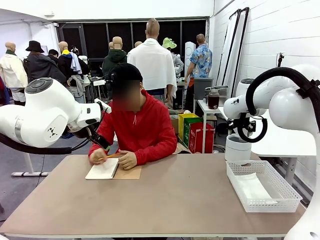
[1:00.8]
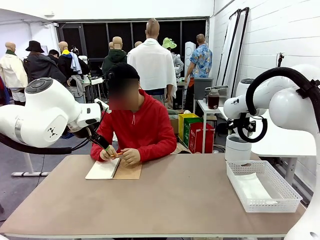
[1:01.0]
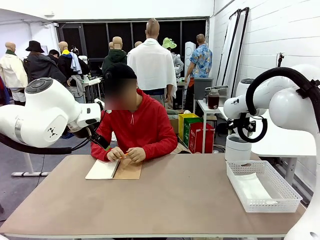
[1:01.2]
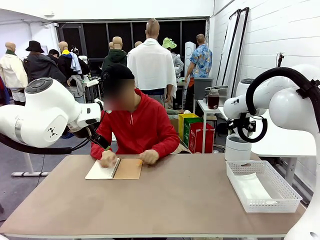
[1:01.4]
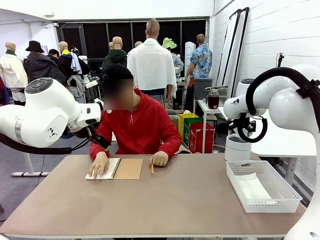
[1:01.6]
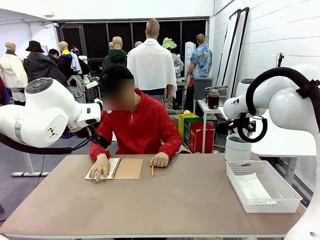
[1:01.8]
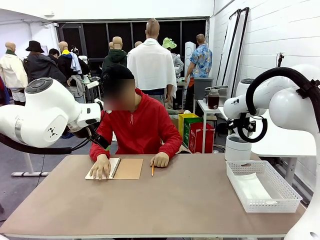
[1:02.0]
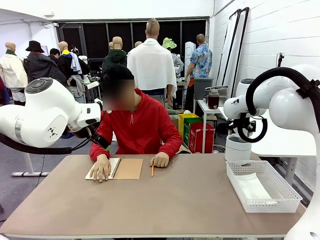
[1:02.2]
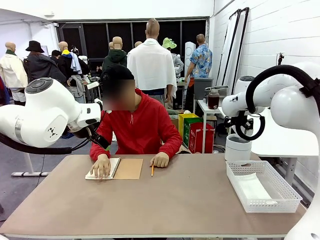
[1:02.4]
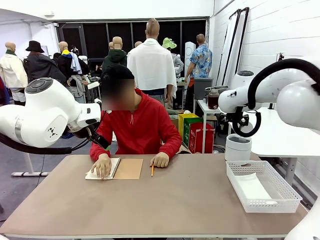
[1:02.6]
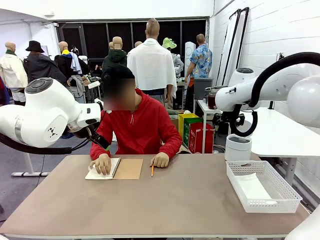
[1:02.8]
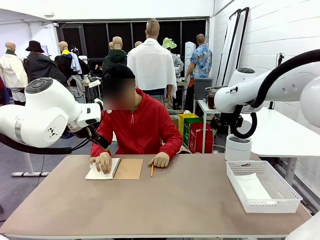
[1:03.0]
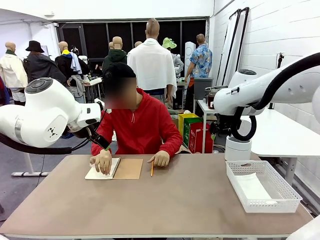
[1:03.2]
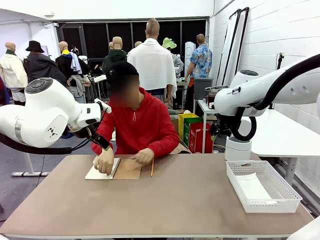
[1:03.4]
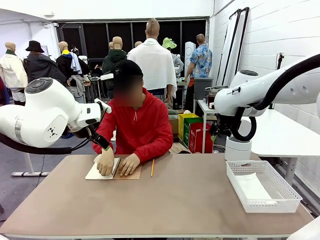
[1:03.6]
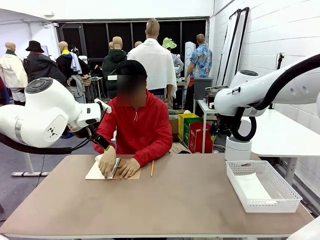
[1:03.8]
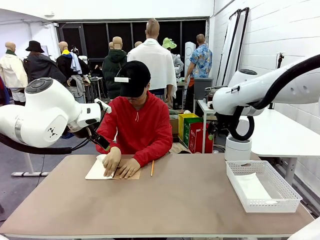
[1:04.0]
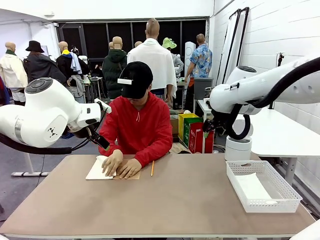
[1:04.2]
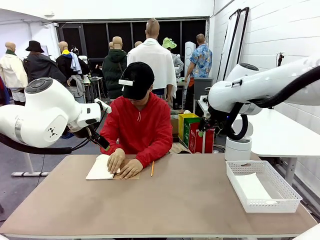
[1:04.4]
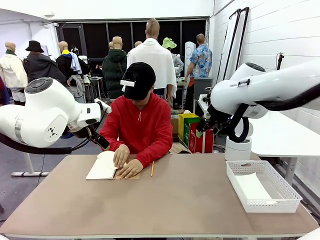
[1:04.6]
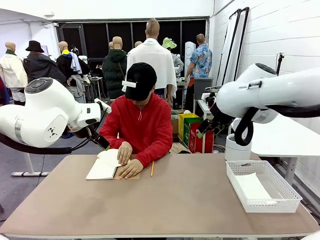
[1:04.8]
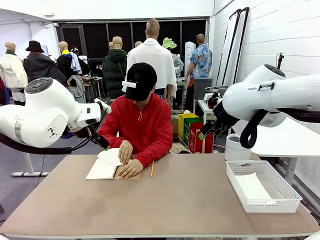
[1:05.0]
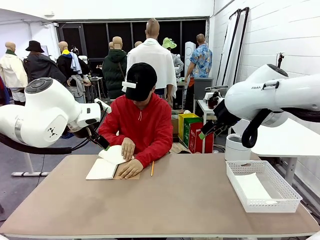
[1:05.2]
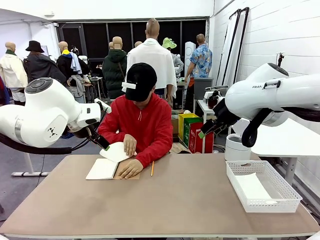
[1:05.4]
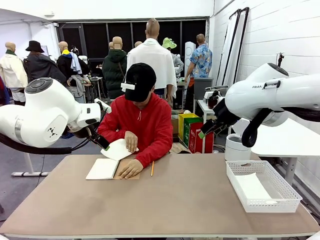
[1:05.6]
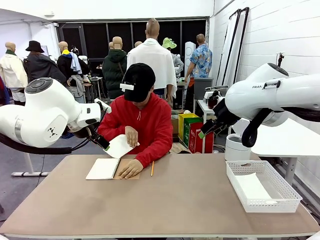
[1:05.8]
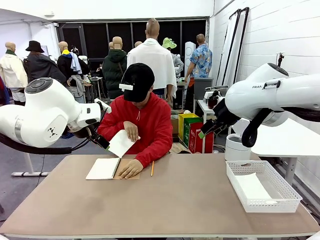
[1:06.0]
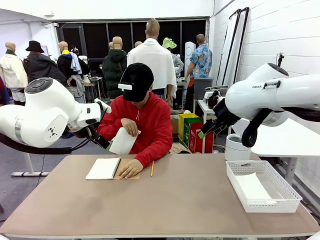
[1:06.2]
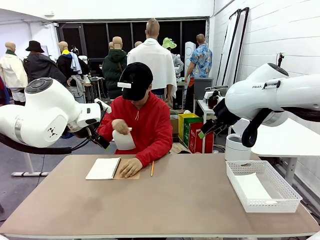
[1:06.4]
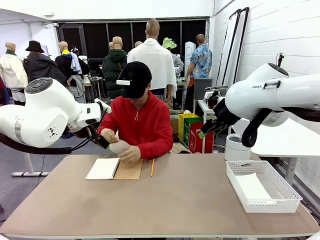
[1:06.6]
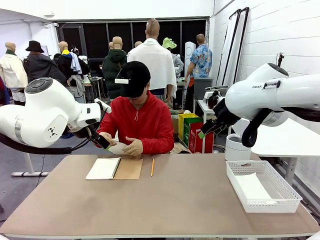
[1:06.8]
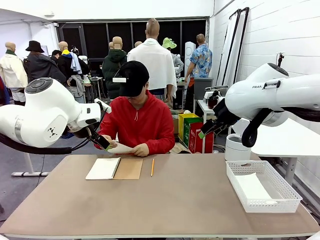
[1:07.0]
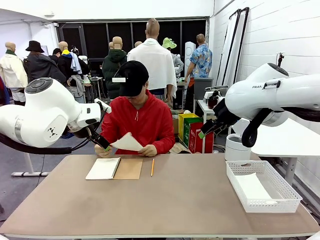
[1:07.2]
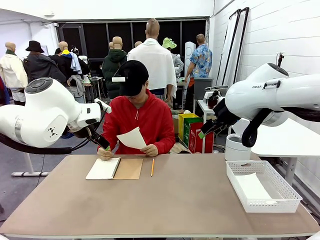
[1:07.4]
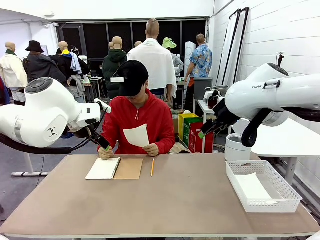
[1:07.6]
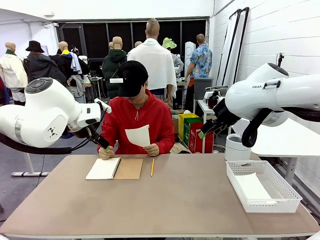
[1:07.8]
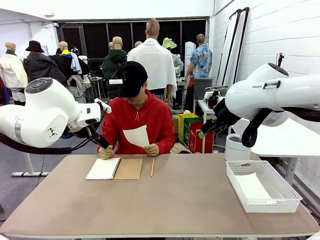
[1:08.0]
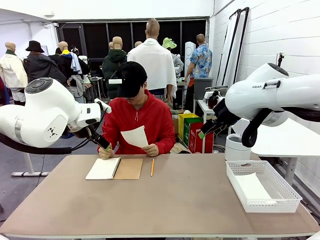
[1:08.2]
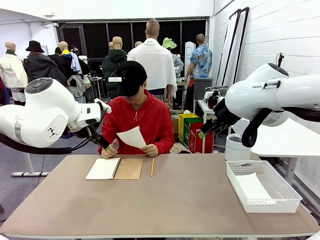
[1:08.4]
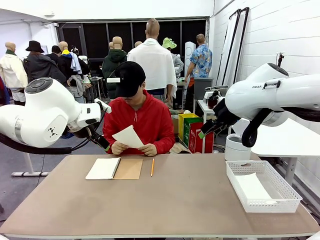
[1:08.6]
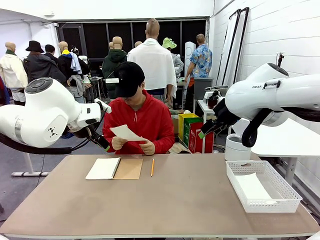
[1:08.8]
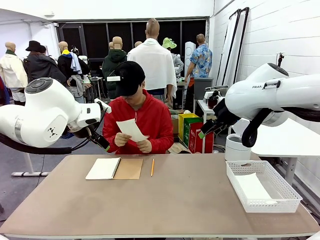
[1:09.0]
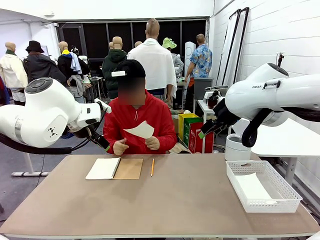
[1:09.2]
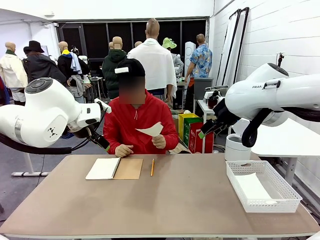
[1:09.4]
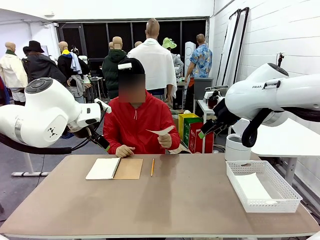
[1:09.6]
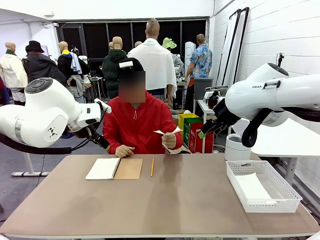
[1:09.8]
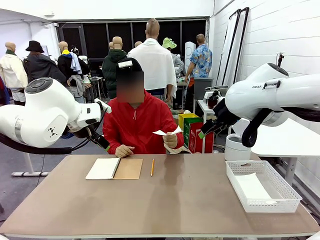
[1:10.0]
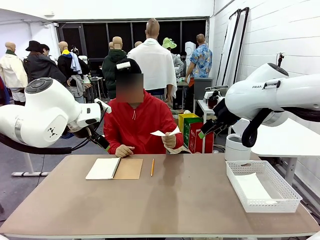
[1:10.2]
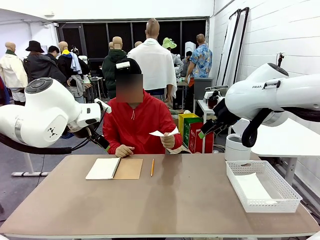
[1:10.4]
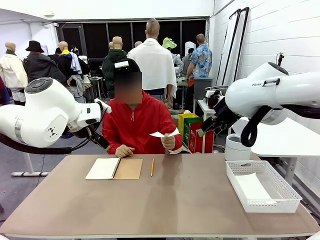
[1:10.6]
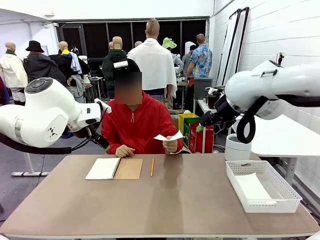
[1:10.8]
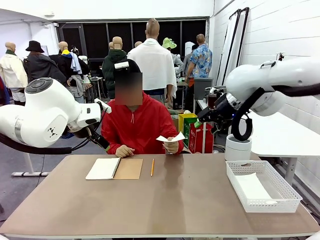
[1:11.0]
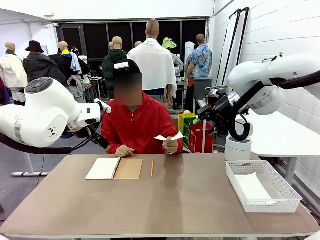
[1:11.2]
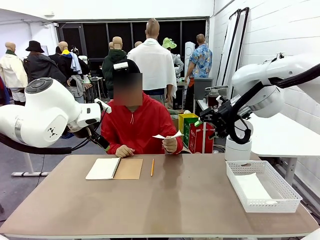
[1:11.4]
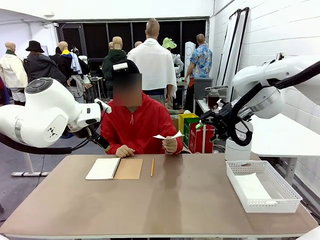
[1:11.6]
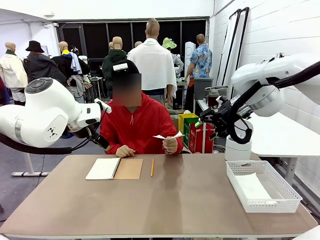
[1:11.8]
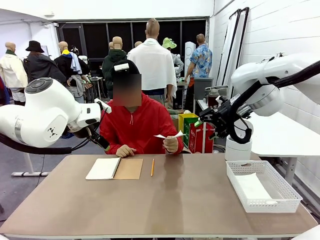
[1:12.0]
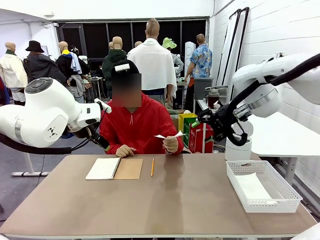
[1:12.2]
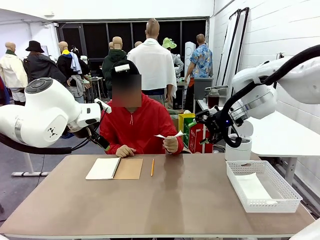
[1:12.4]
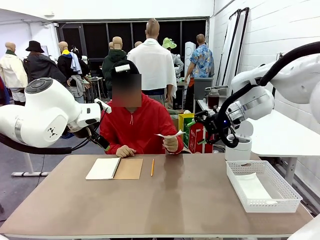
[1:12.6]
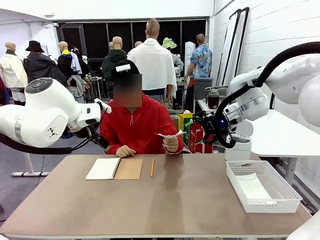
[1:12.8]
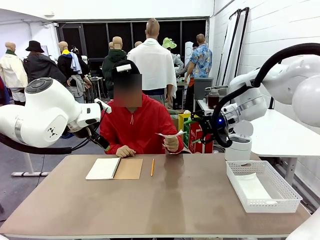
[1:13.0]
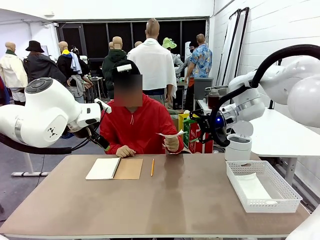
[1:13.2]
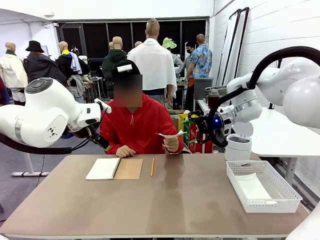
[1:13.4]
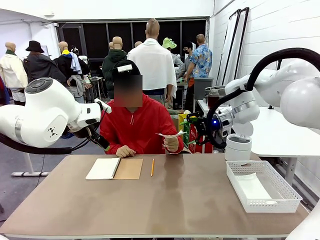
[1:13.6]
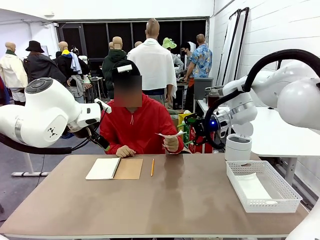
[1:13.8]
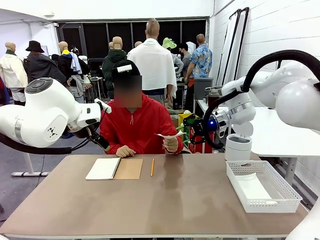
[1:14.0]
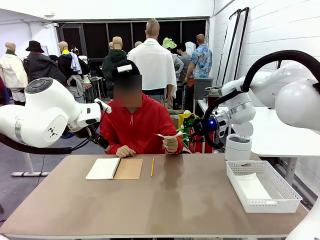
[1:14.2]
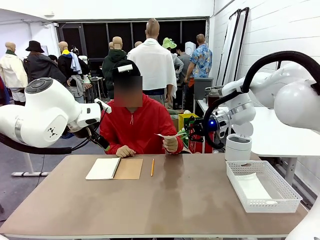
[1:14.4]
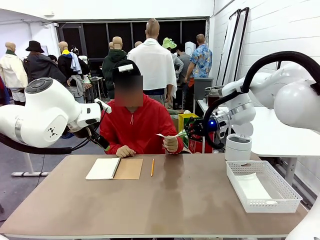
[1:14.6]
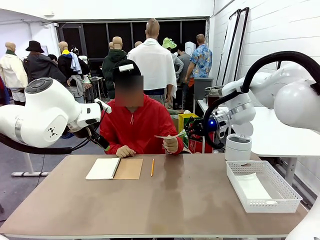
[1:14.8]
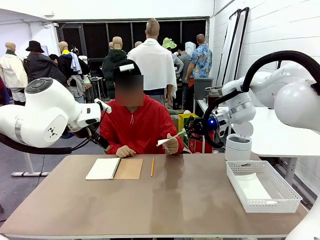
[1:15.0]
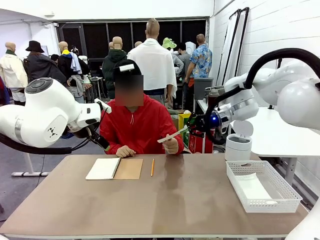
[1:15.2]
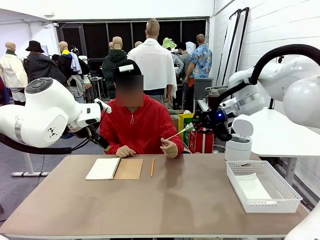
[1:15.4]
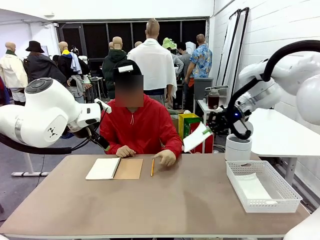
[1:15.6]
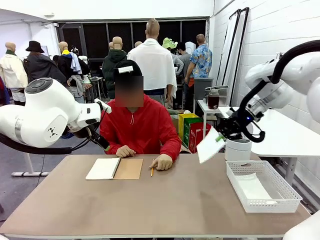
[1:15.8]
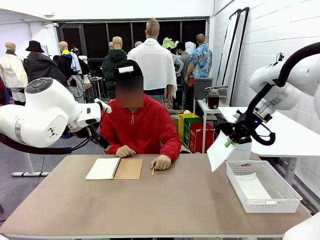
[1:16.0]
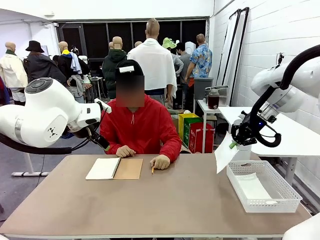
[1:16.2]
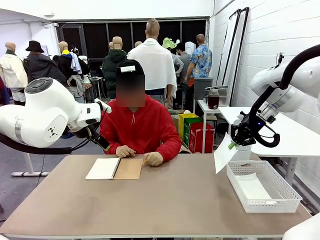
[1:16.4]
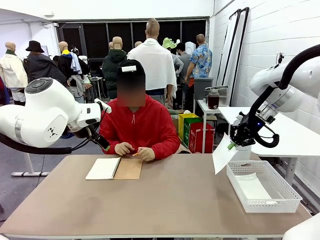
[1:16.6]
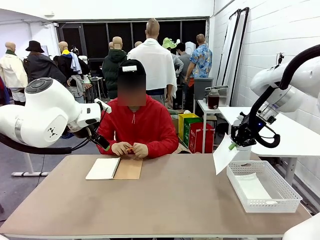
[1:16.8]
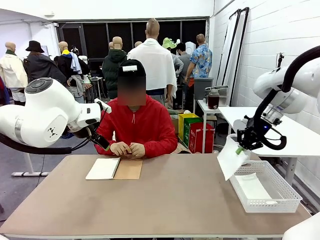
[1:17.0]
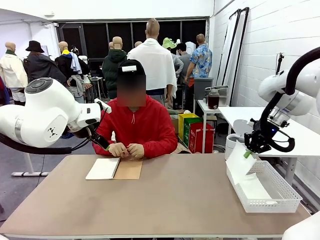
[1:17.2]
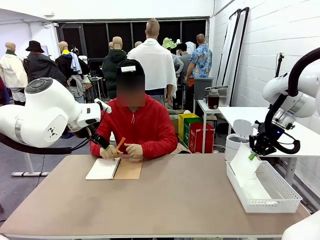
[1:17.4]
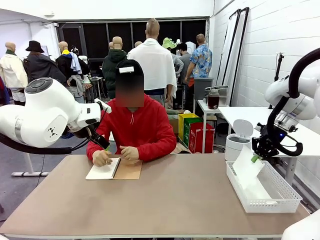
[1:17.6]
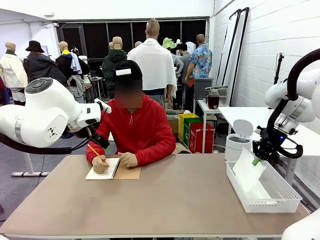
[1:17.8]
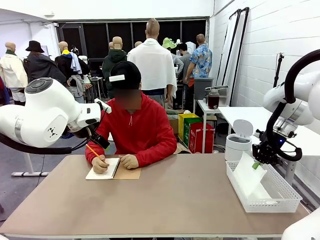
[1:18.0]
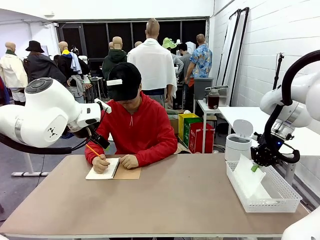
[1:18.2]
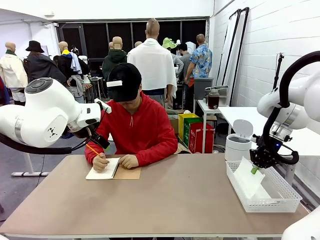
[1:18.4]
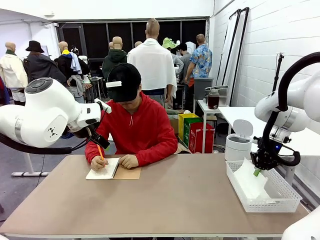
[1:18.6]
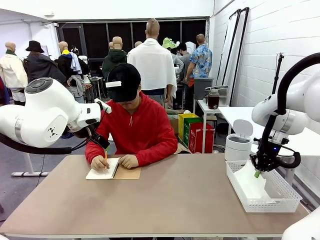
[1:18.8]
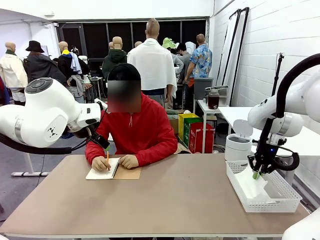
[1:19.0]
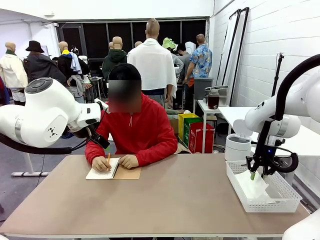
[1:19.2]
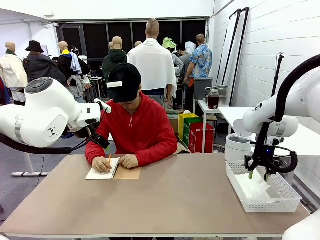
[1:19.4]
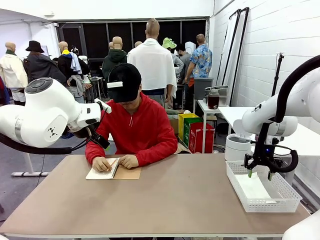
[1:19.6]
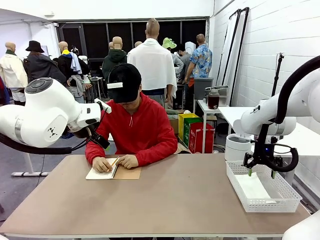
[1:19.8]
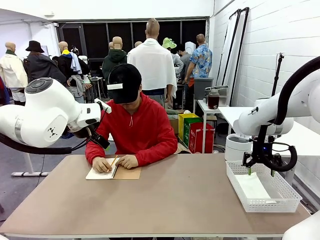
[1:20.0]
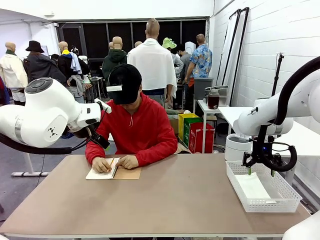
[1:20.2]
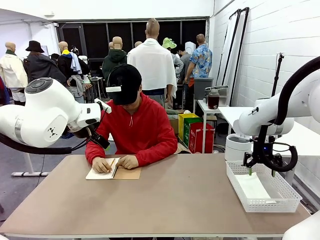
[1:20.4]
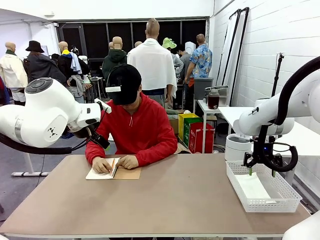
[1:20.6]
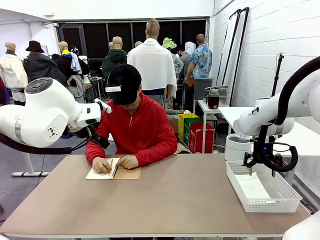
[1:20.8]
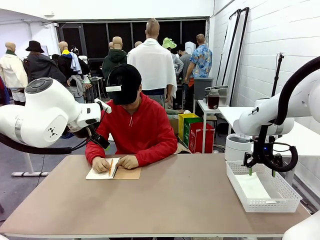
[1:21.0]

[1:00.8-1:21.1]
Task: Sort the paper based on its condition.
Robot: If a person hands you a paper, place it in the Organizing basket , and if it's crumpled, put it in the Trash can.
Person: Hand the torn page to the robot or crumple it and throw it to the center of the table.
